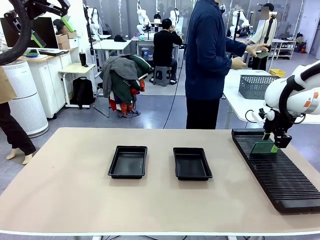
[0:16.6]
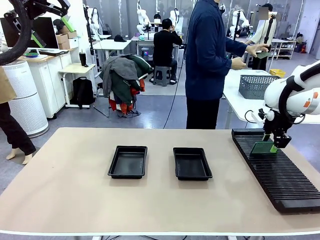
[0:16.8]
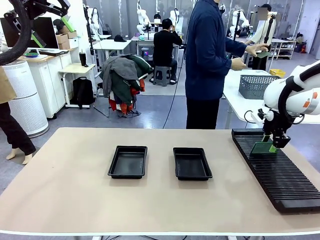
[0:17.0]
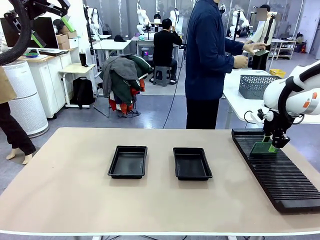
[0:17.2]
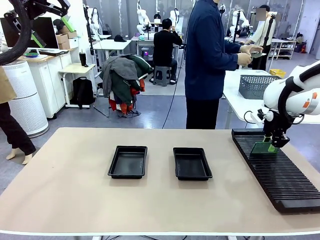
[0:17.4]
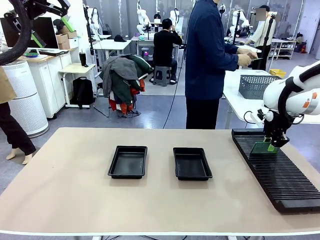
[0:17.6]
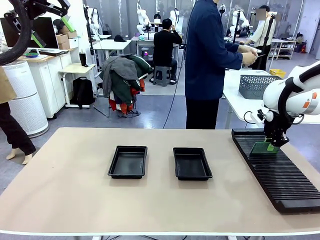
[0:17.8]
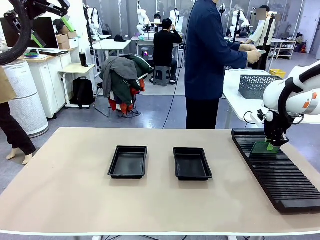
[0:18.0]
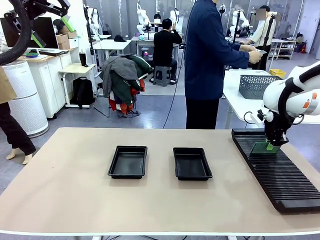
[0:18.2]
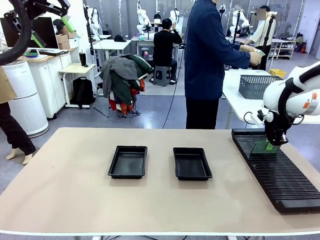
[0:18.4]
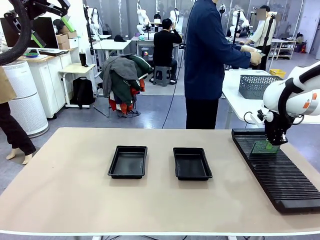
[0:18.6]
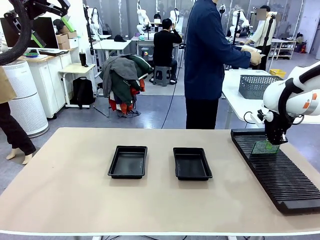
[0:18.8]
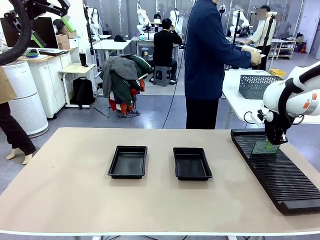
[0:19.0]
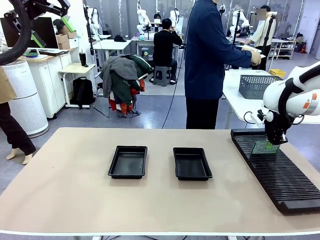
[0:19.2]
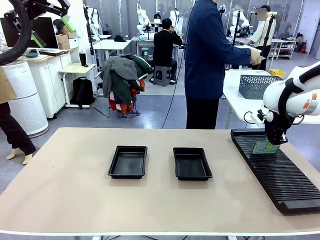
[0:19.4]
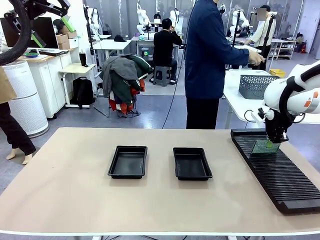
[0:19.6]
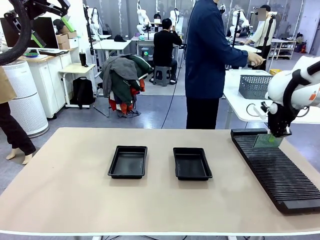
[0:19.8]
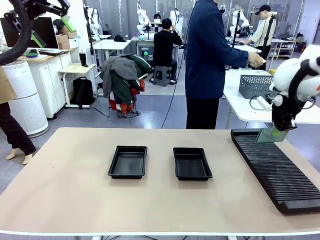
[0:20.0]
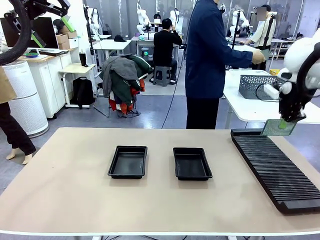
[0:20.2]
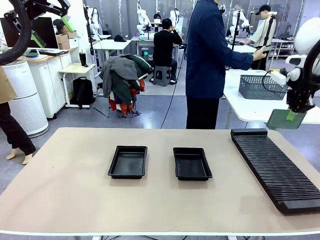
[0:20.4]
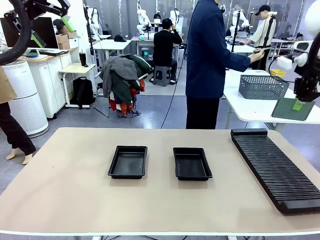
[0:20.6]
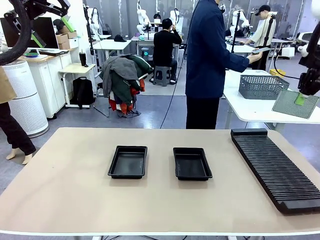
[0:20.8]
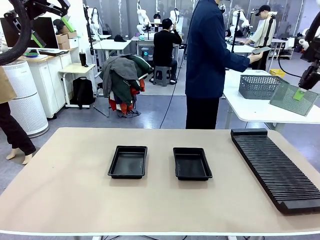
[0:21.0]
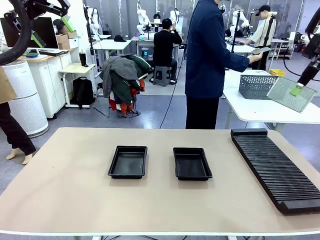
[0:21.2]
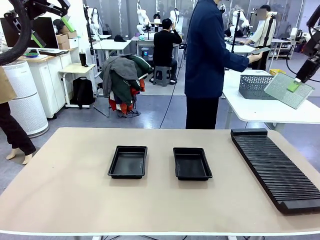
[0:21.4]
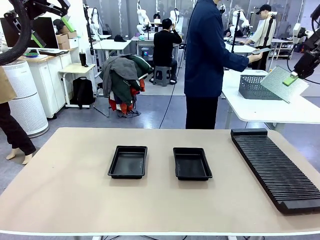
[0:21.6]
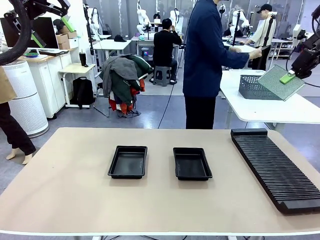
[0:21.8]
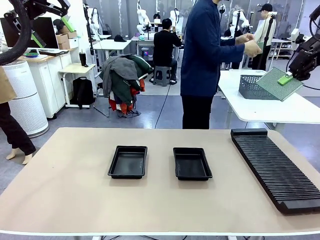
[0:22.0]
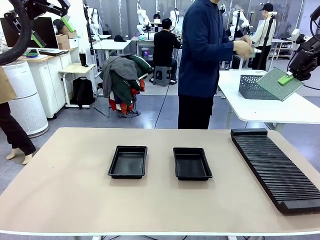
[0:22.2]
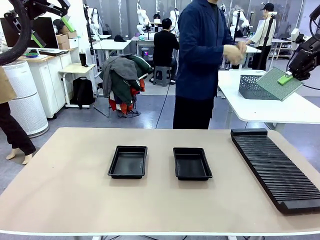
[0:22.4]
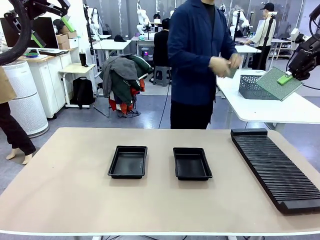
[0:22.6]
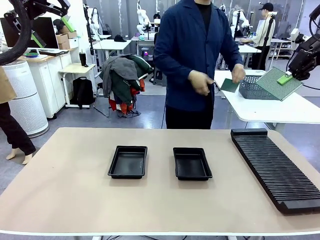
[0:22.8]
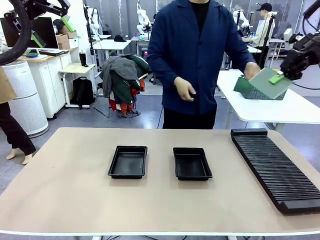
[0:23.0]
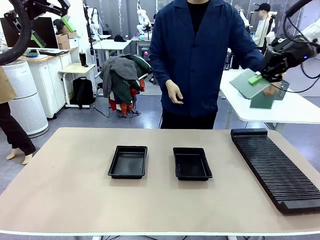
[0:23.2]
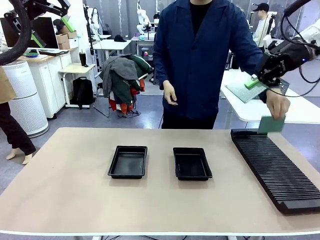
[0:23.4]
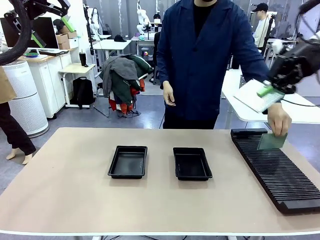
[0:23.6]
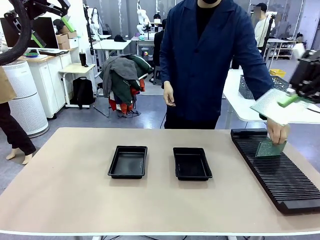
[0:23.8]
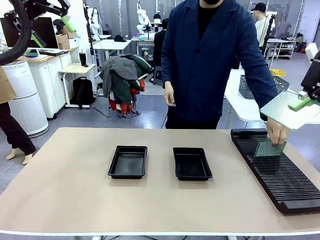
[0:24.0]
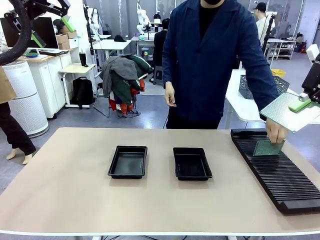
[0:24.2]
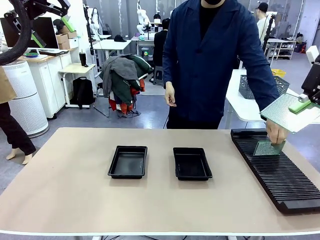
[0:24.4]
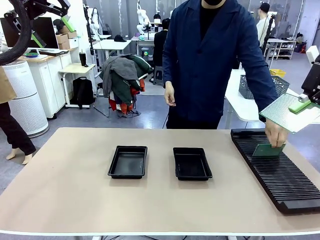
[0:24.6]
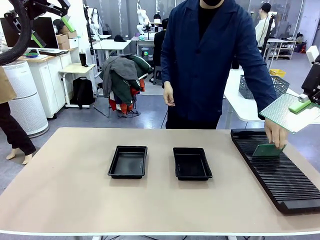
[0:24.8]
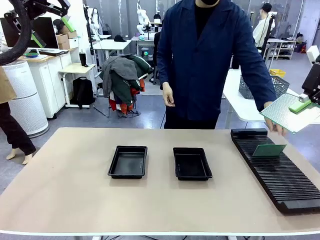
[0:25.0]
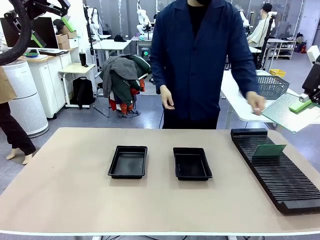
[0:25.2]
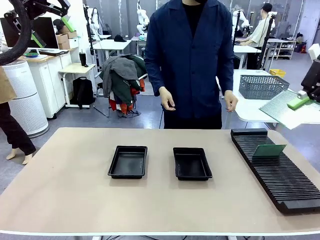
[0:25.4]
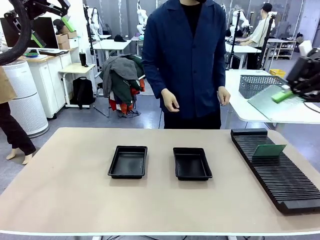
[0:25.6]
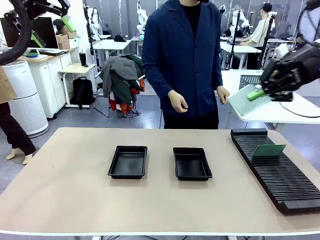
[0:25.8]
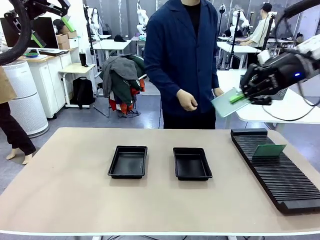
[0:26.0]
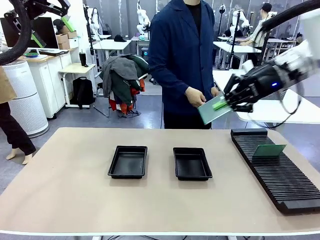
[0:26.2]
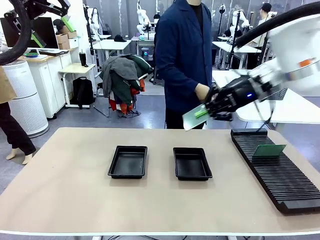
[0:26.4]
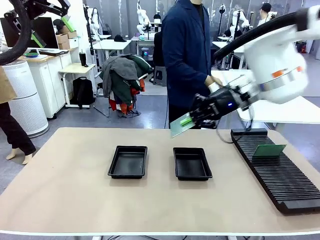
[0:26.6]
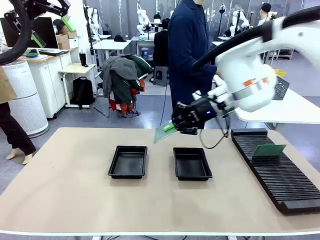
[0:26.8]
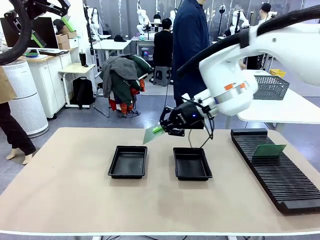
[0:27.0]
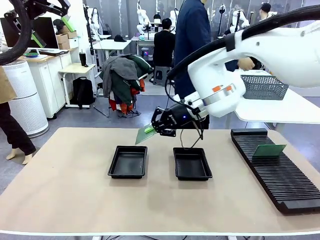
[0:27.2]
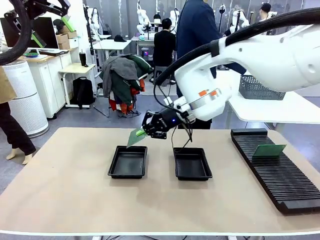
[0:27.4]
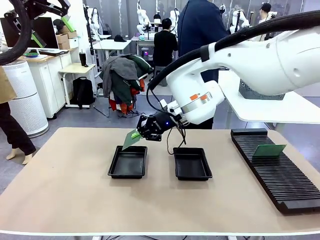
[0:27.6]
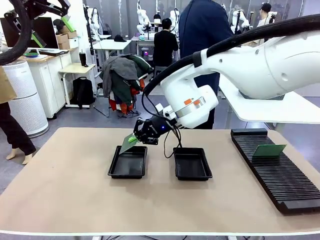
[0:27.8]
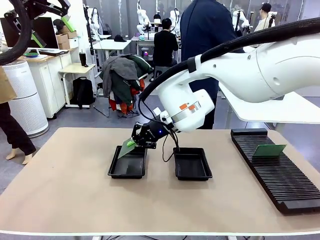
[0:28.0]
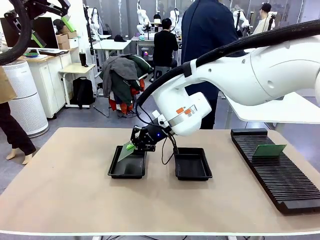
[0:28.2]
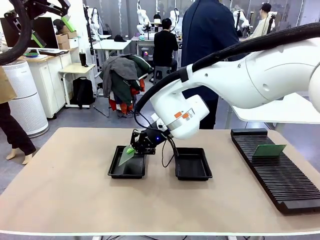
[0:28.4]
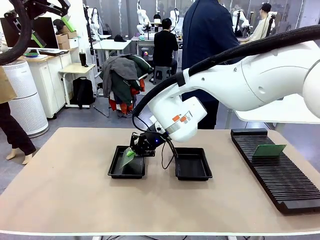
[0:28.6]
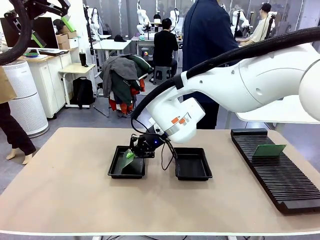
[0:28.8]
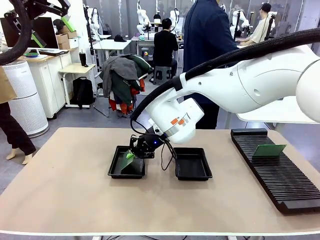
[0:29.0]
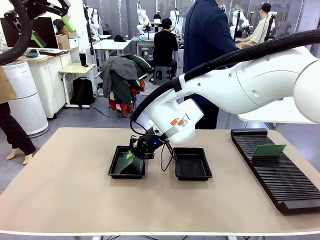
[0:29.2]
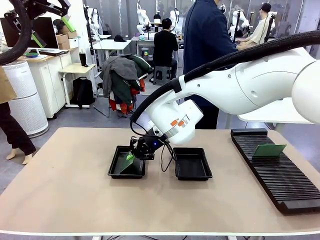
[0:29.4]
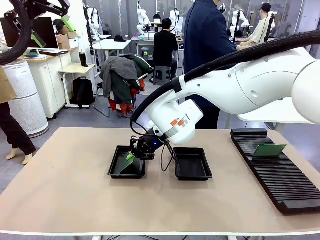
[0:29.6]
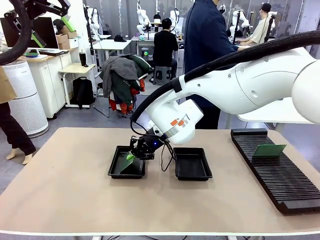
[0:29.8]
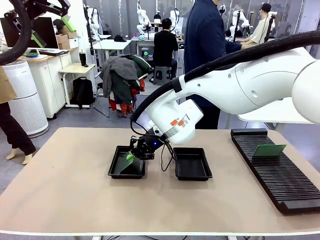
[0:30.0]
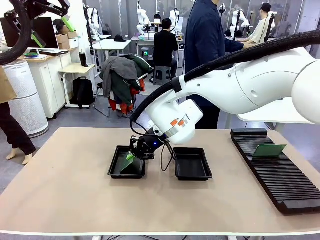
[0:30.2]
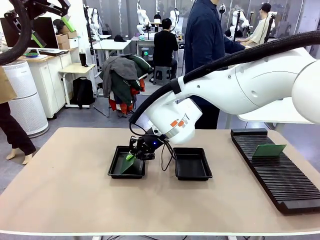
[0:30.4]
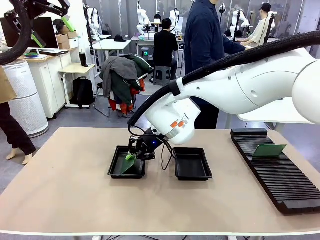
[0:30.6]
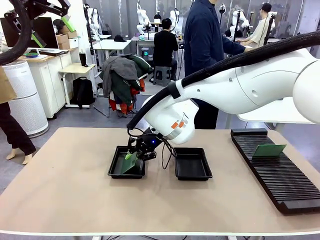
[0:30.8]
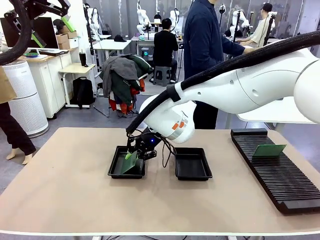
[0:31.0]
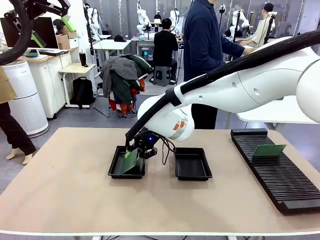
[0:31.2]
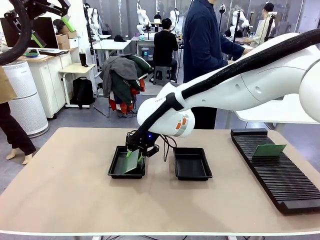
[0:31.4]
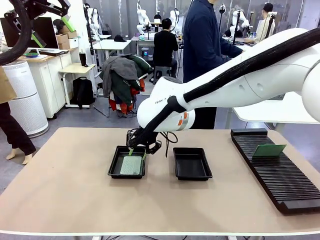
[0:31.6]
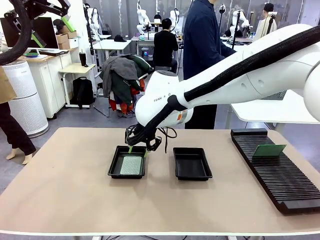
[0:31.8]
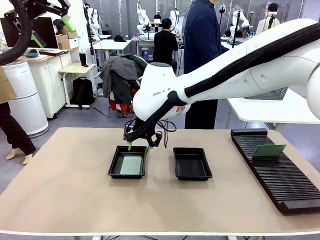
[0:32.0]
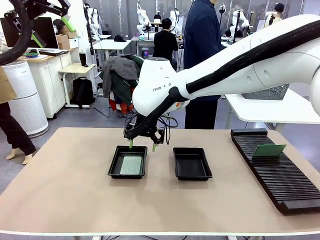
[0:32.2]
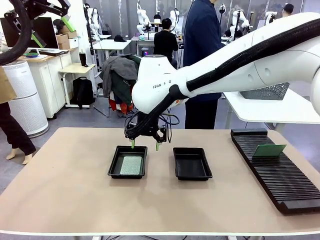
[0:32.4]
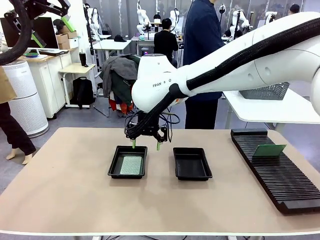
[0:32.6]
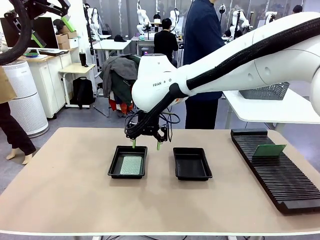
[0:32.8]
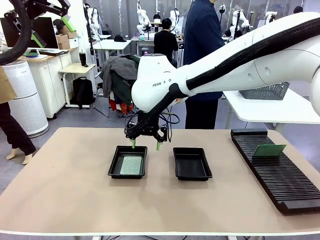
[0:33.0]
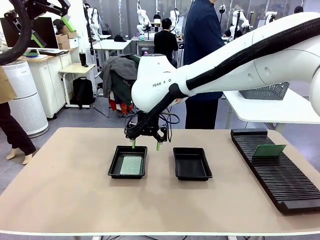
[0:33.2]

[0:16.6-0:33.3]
Task: Inspect and transfer BCBs to ESD trays.
Robot: Pick up the Blank PCB from the PCB Rack and place it in the left ESD tray.
